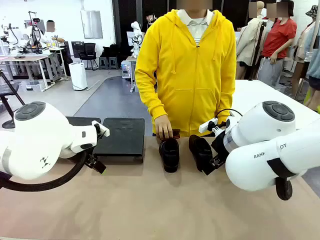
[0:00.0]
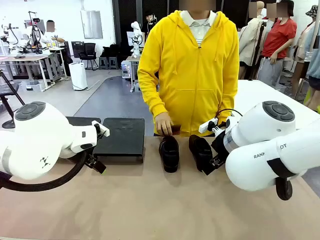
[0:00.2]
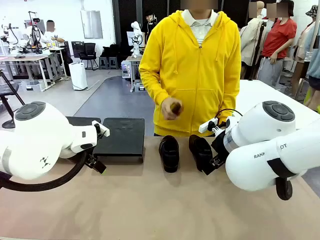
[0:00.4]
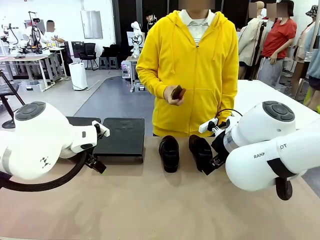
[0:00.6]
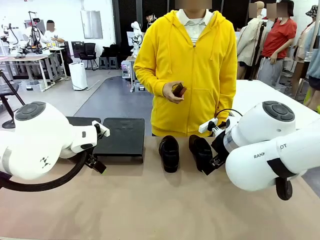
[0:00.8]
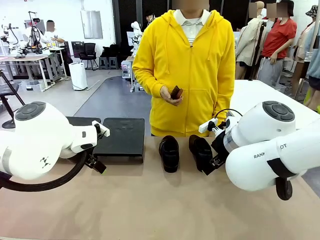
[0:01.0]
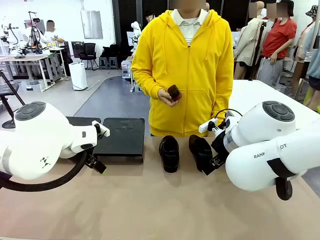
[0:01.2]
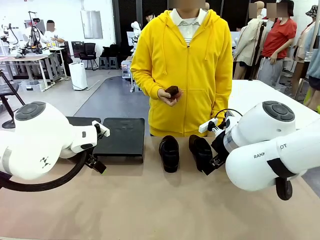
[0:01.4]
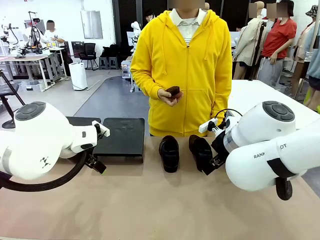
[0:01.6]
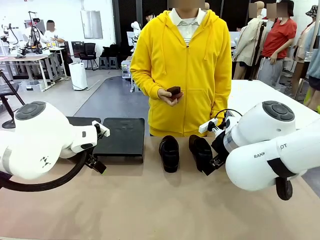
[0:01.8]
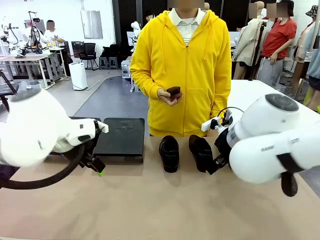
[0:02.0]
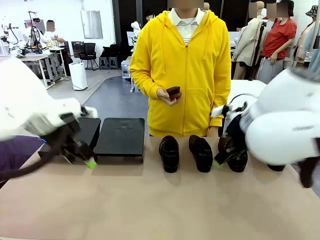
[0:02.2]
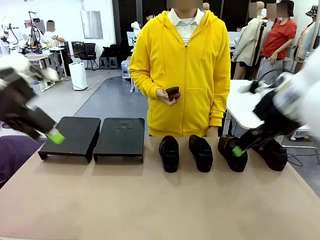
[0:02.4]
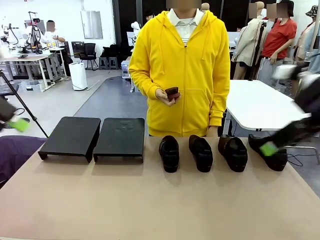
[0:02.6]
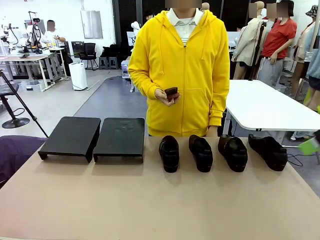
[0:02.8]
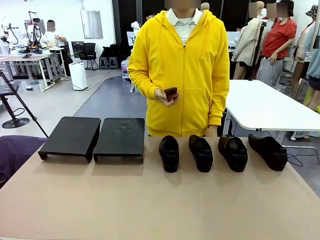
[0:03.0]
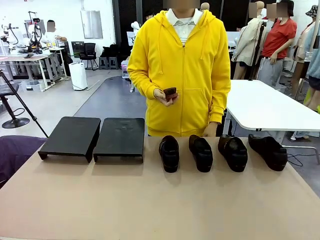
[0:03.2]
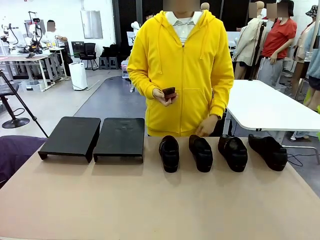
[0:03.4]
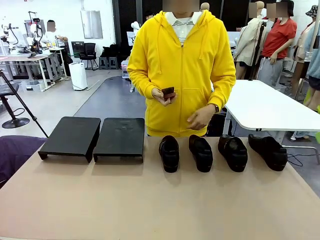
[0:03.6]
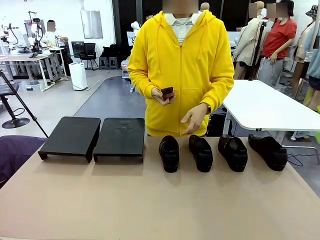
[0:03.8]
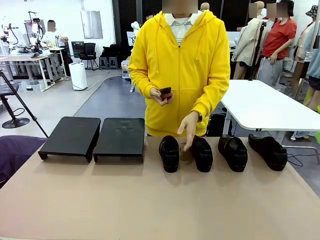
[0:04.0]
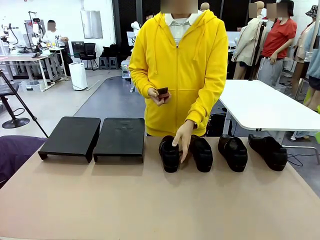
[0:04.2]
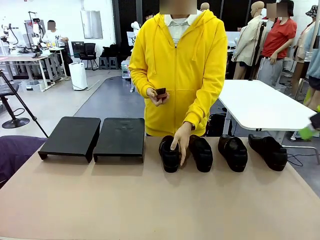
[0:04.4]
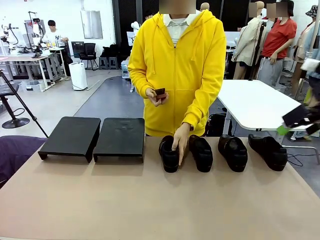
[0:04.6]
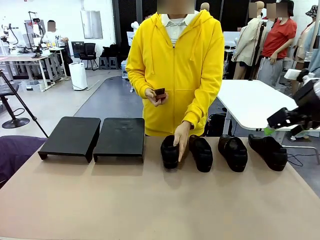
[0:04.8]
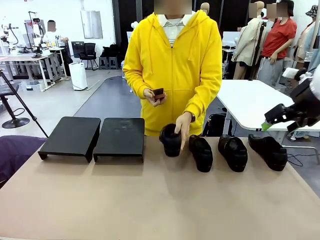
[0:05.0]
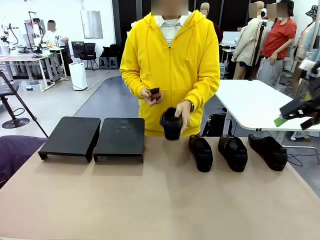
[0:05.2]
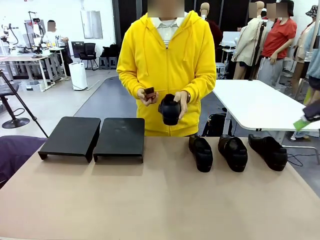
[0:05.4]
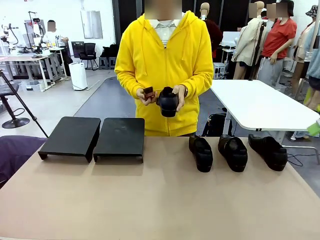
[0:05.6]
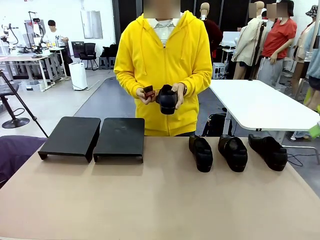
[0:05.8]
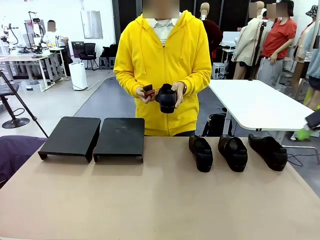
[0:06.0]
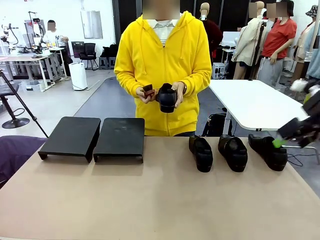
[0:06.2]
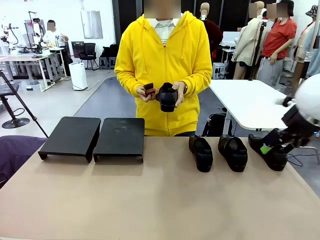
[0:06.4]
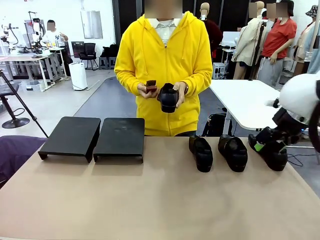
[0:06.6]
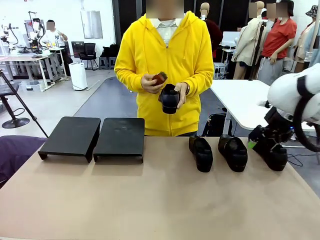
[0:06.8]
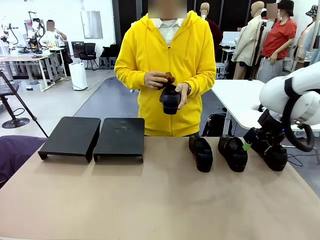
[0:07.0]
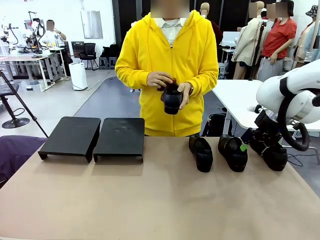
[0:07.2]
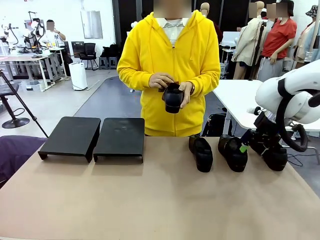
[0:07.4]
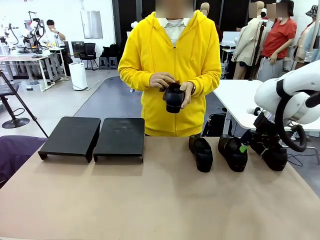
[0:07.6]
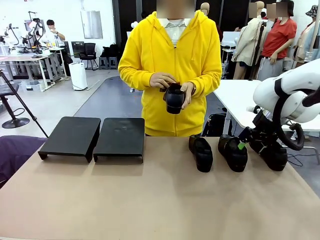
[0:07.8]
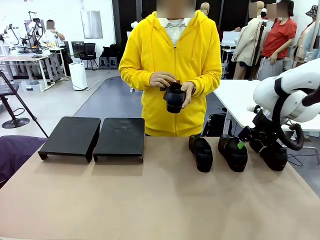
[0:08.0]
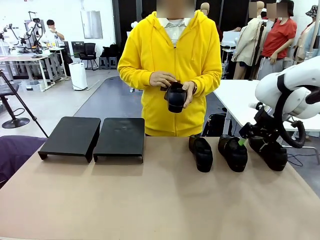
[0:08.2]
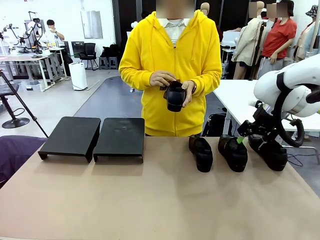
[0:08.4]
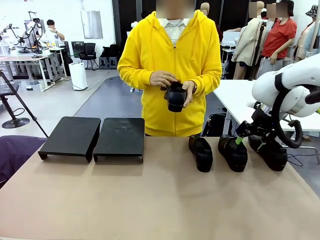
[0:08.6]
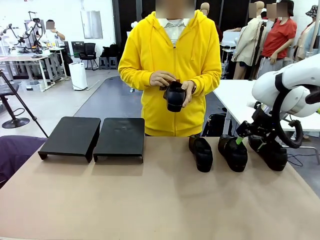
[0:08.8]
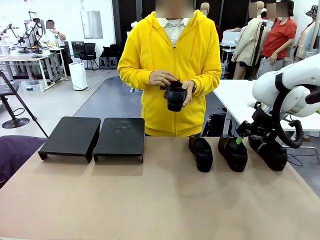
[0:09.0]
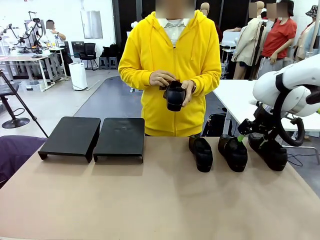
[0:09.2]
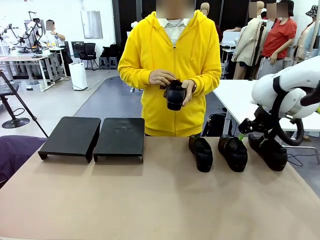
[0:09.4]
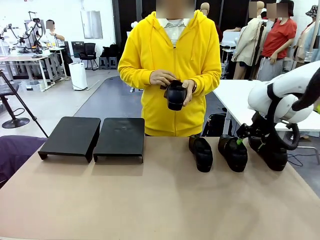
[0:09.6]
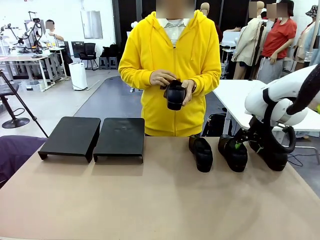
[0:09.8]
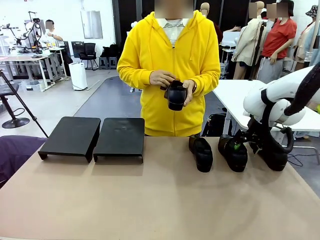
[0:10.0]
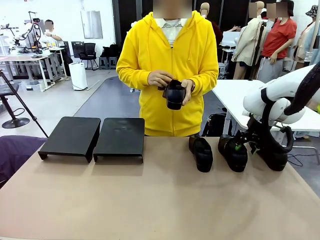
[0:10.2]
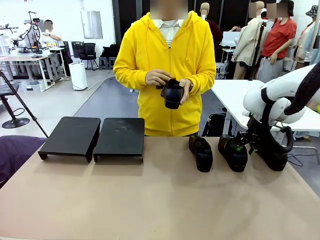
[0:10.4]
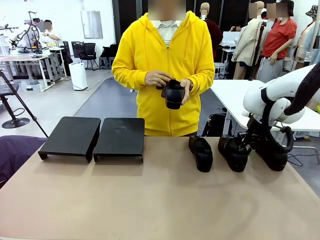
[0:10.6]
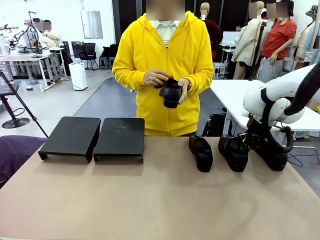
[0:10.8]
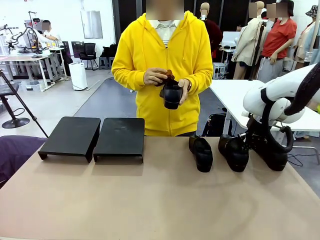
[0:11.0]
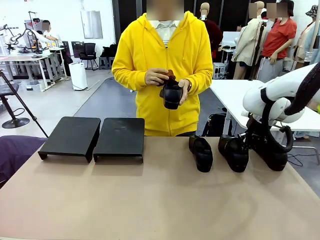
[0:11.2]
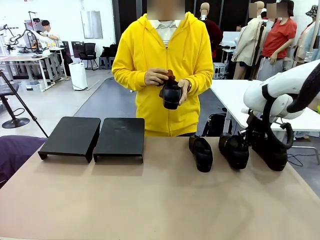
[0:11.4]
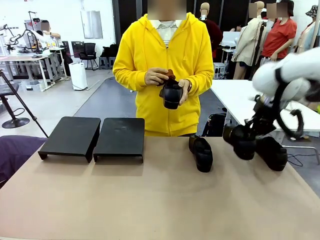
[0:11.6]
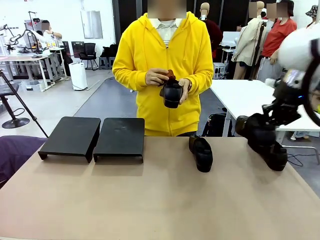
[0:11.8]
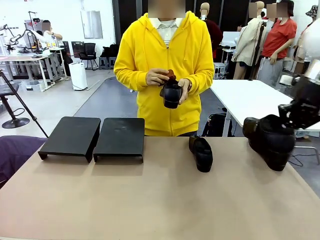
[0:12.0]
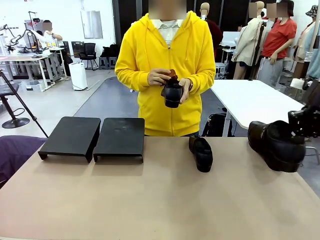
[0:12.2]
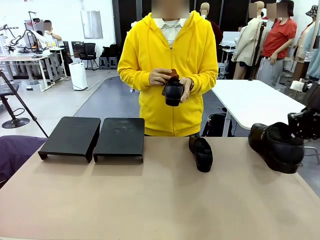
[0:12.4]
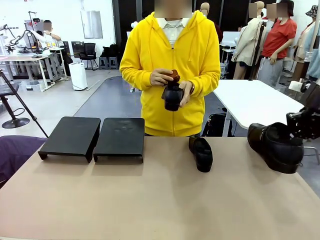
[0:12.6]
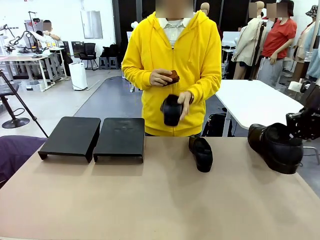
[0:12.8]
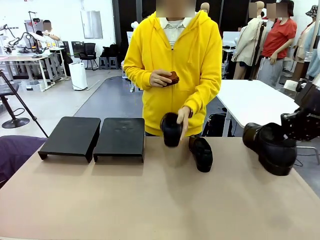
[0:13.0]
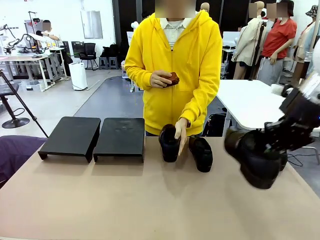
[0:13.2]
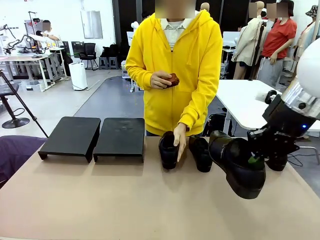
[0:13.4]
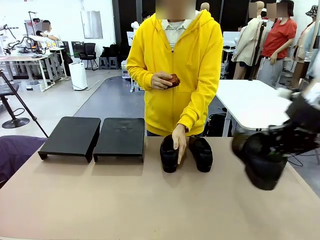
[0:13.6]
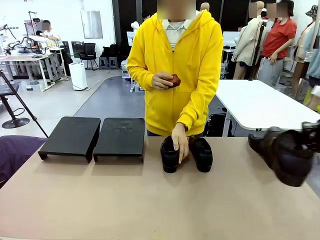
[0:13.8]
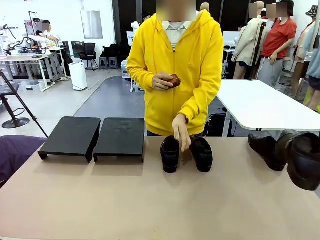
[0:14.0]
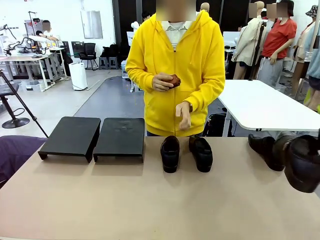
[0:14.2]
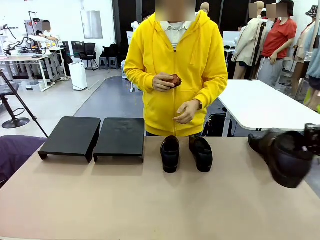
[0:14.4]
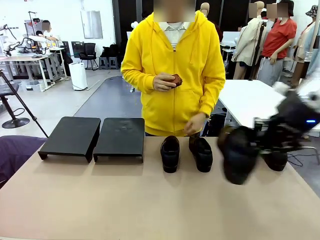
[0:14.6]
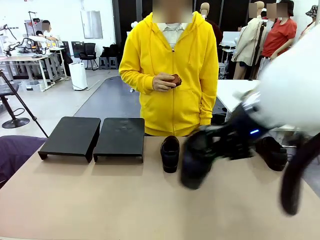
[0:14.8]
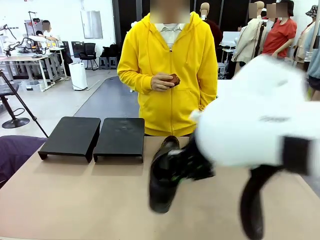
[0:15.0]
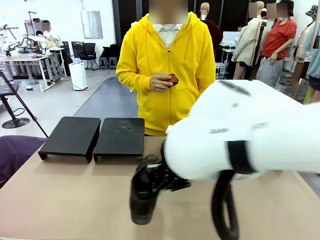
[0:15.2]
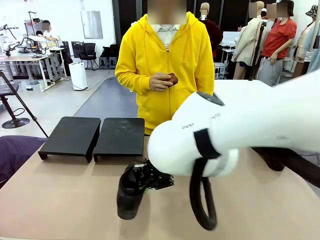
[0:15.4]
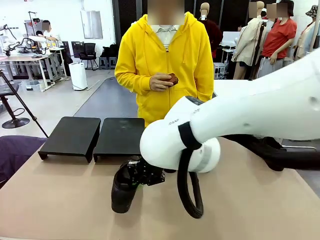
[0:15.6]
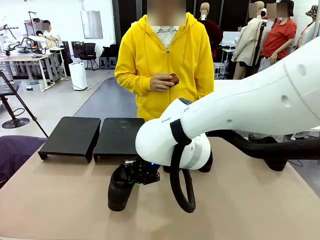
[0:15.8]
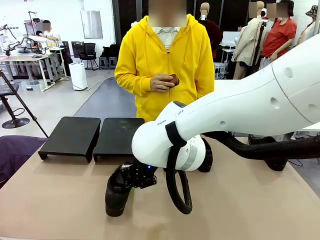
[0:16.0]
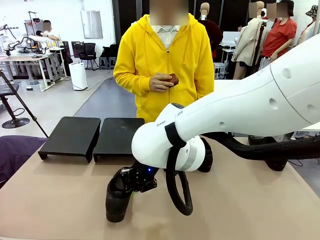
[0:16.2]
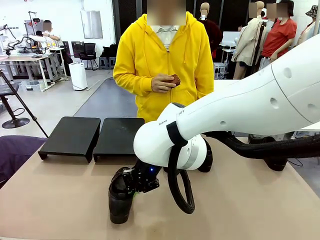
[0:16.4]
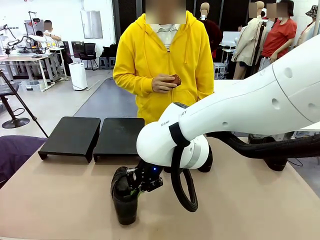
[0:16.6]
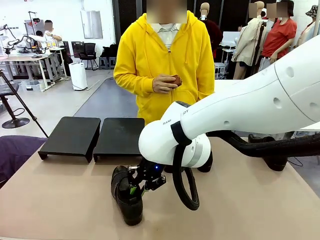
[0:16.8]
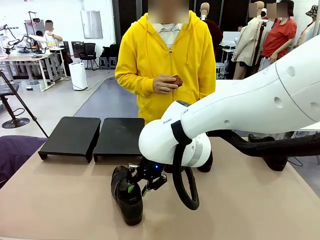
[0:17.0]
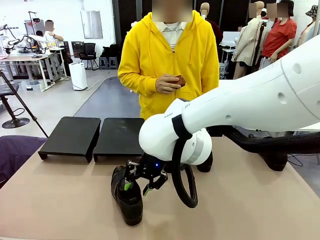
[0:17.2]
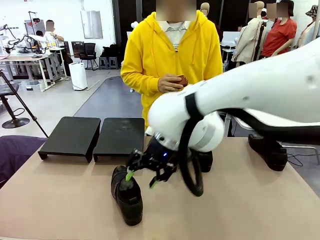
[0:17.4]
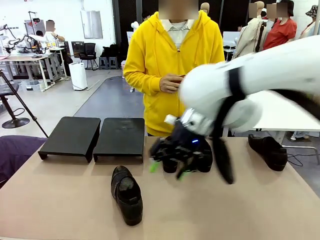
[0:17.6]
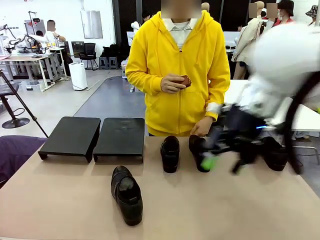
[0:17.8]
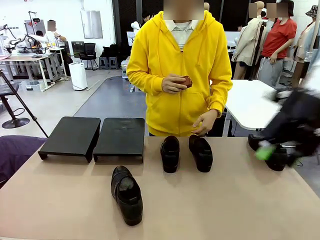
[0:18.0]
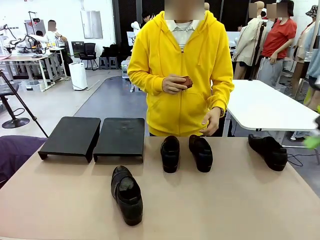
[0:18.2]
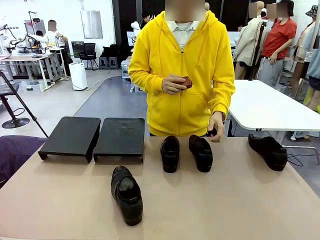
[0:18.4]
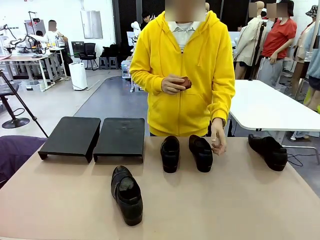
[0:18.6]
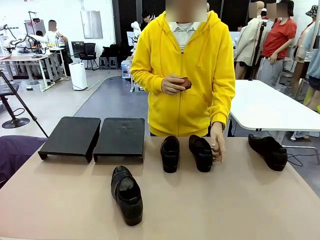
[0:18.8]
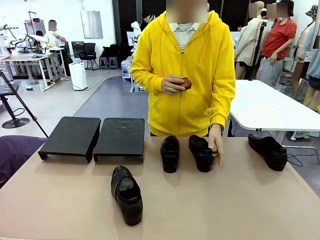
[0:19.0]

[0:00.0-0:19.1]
Task: Organize the shoes by placing them on the stand.
Robot: Pick up one Shoe and place it in the middle of the table.
Person: Pick one Shoe on Robot's table. Clean the Shoe with the Shoe Brush. Place the Shoe on left side of the Robot's table.
